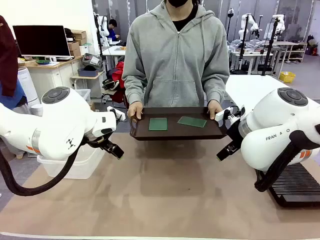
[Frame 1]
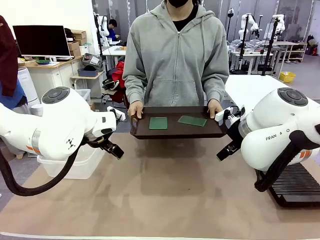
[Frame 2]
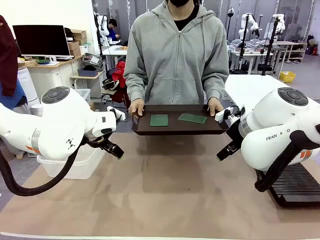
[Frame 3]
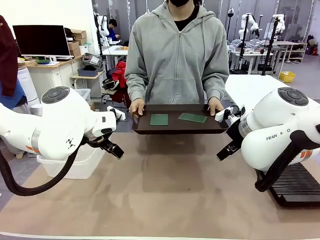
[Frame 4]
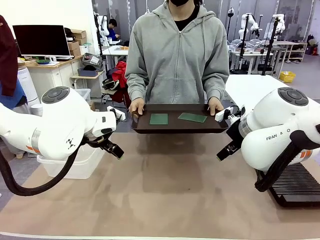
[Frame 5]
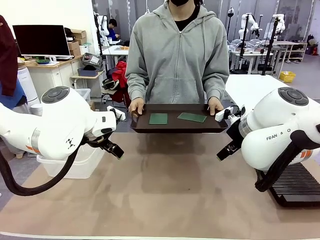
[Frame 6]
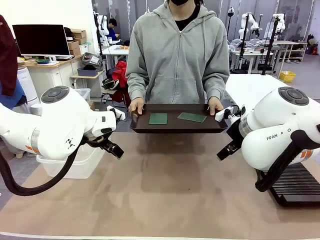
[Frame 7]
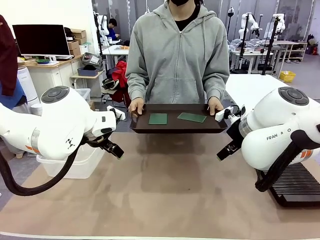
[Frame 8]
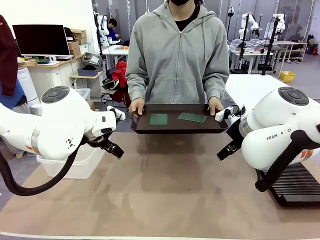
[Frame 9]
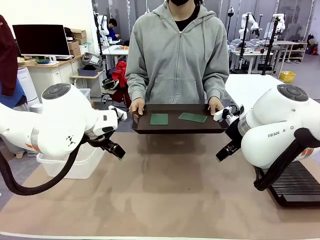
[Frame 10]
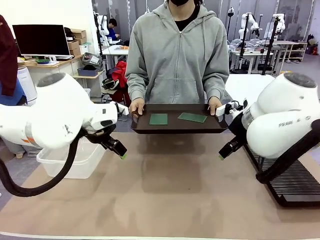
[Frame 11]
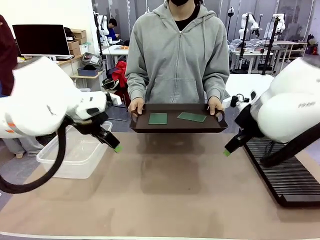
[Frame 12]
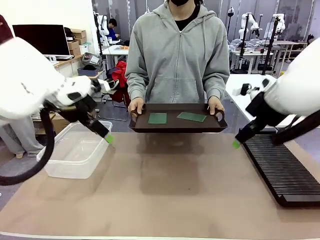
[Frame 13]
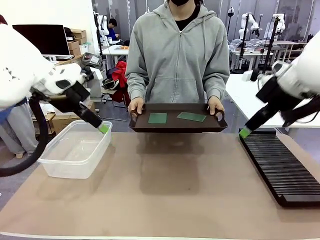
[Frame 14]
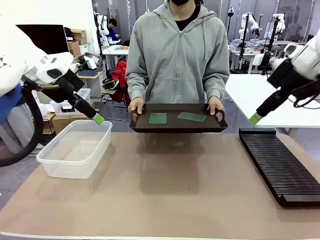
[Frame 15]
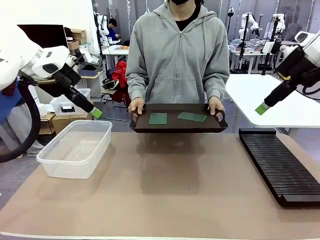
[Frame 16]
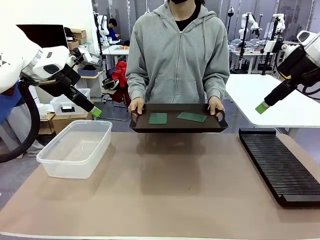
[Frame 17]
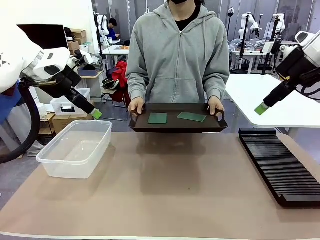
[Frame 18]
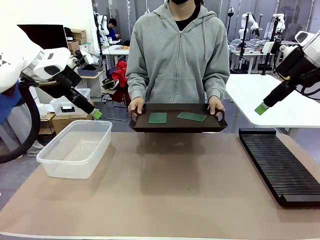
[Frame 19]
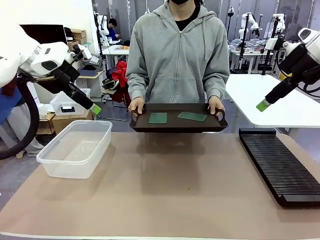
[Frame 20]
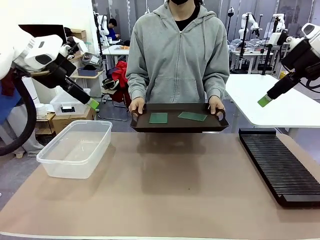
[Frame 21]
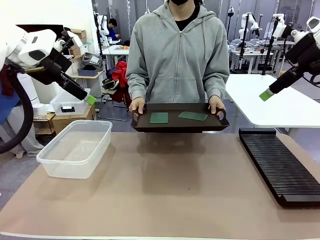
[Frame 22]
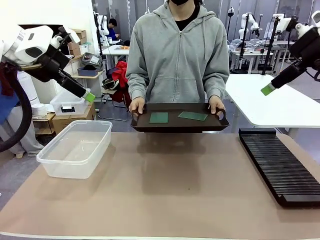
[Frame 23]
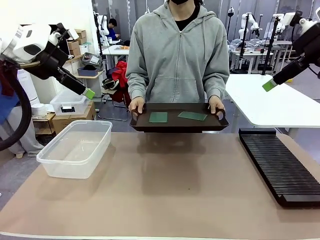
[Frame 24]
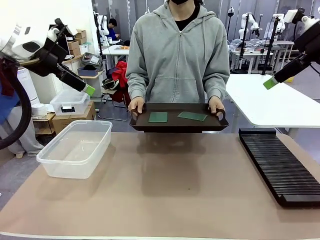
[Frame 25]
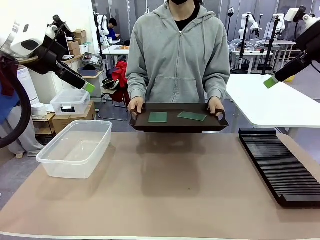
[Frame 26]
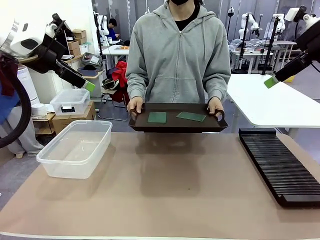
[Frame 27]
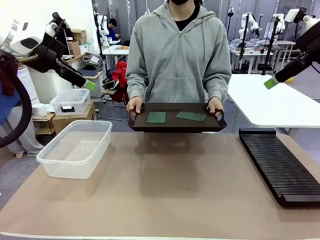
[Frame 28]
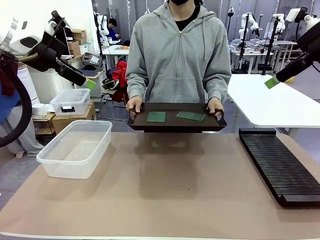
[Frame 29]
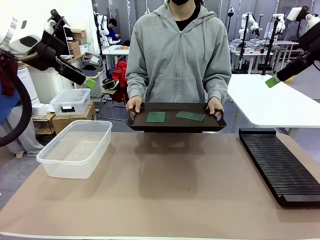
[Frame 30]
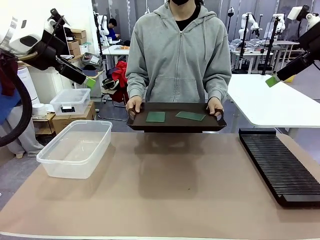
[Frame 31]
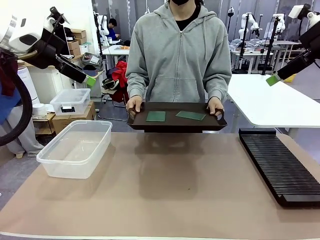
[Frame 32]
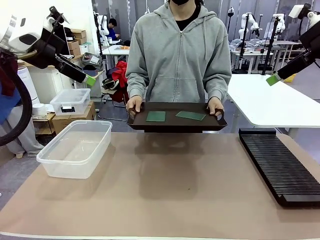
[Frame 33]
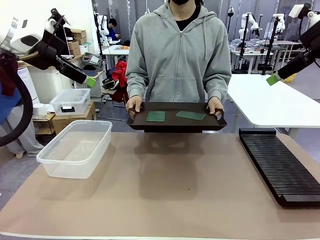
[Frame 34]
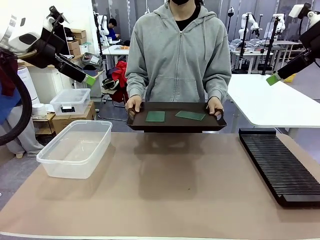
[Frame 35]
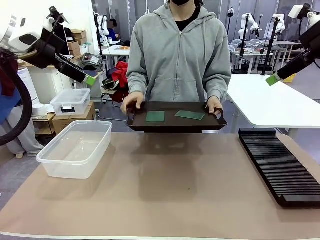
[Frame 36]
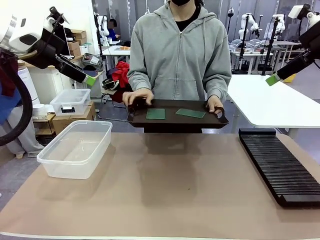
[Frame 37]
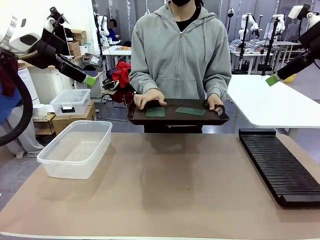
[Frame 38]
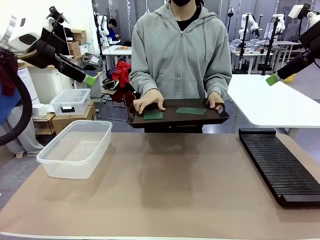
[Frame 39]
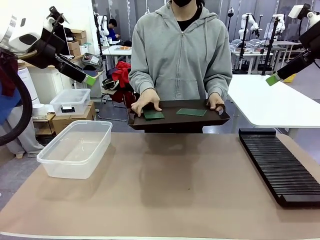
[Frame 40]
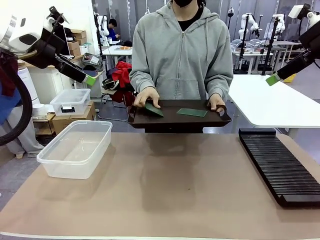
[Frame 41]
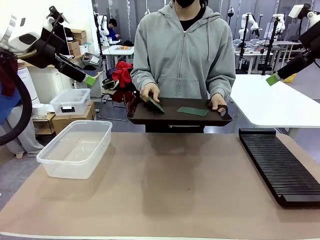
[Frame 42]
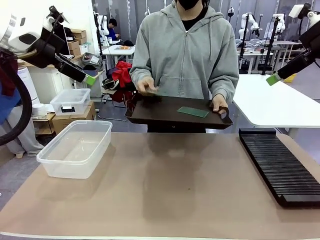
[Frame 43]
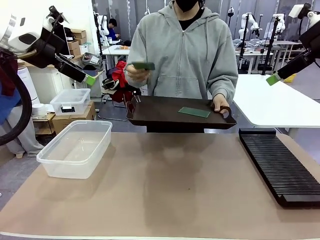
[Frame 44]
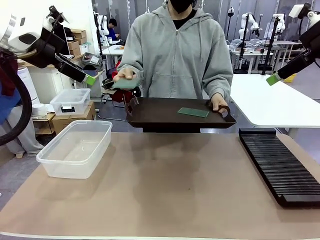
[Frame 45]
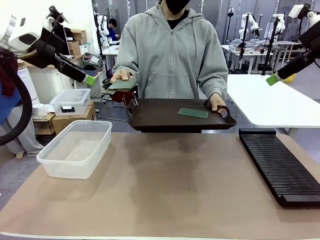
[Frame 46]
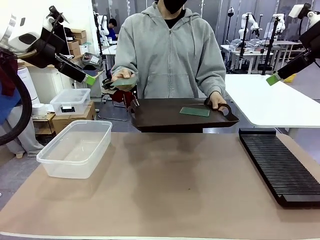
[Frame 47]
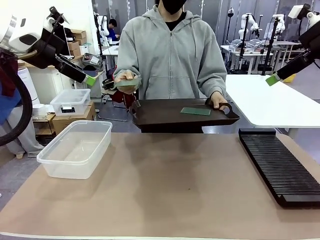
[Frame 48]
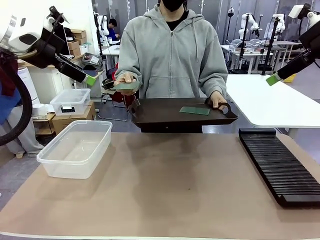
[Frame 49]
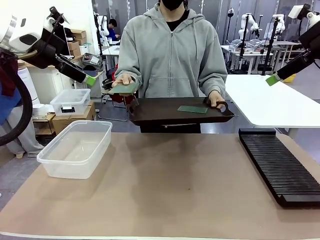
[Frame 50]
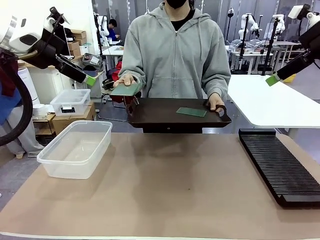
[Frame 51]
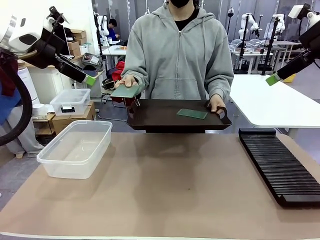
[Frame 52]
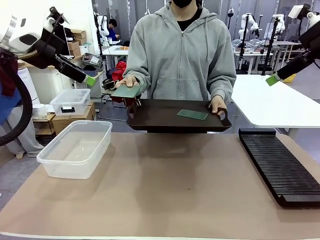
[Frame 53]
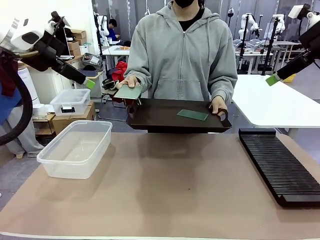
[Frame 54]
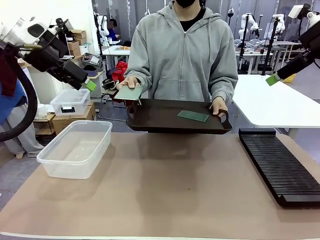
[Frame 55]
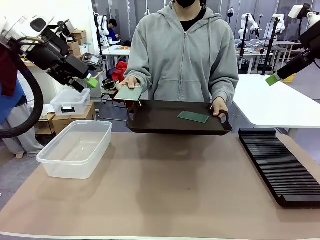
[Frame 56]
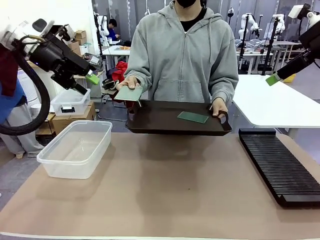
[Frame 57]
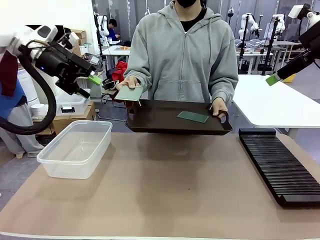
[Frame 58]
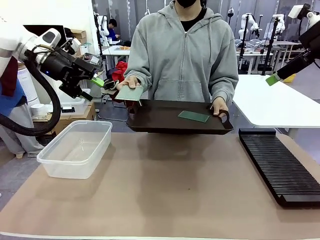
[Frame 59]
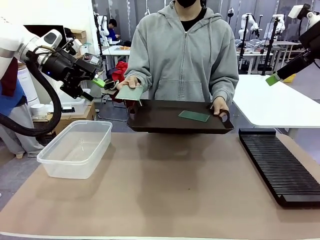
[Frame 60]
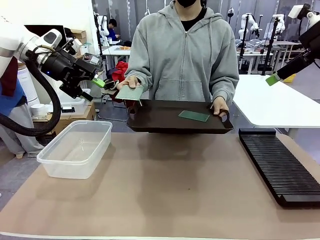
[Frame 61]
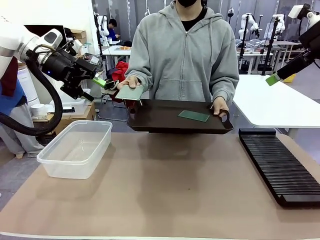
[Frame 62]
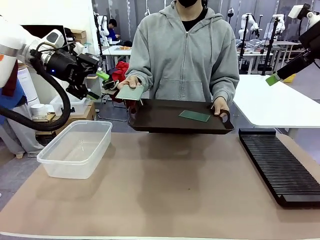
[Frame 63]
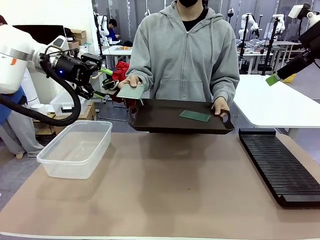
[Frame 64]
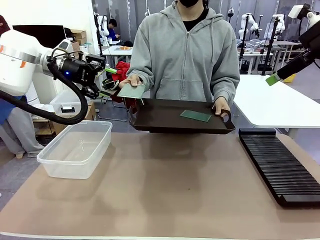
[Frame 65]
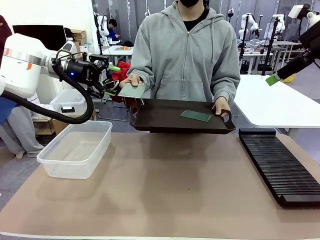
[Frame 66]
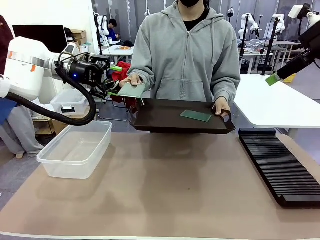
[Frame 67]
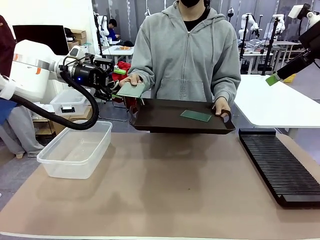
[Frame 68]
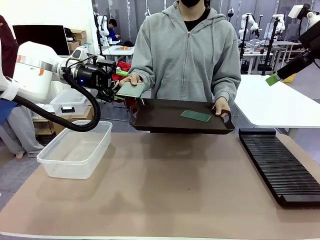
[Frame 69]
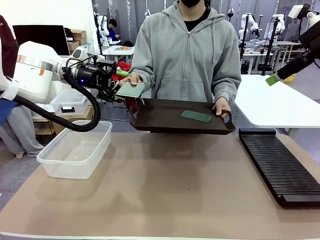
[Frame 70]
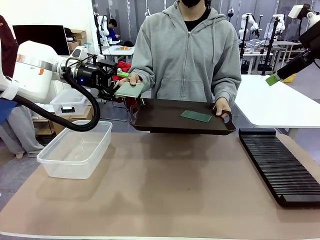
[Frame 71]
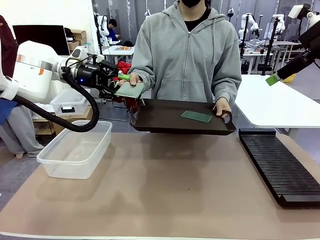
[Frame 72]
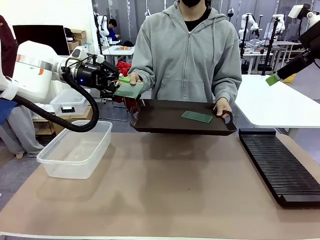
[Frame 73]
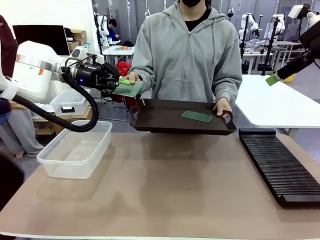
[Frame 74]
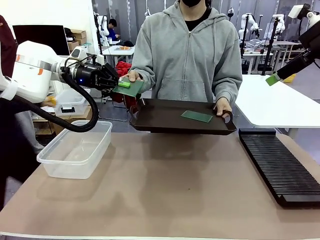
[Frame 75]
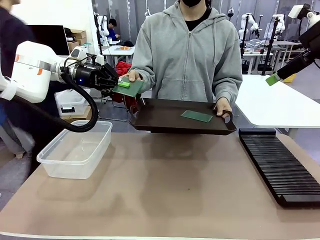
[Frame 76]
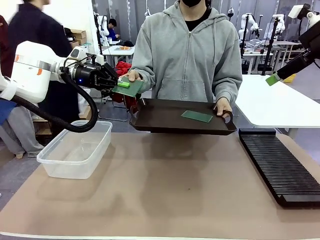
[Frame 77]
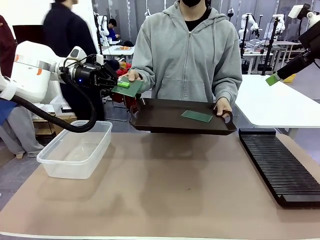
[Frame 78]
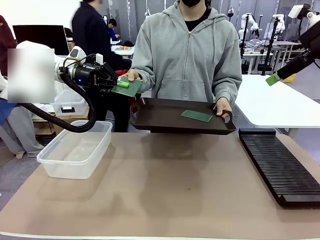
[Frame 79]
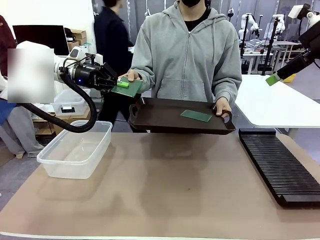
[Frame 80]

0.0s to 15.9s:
Task: Sort PCBs into racks and boxes based on the side picked up.
Robot: Pick up the Blank PCB handed by the Human.
Person: Pick one PCB from the tray and present it to the robot. Release the PCB being held.

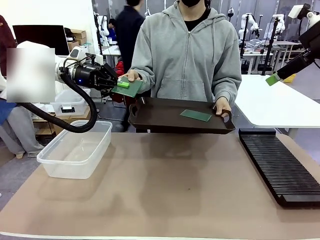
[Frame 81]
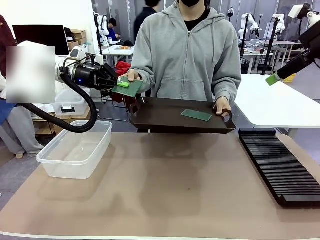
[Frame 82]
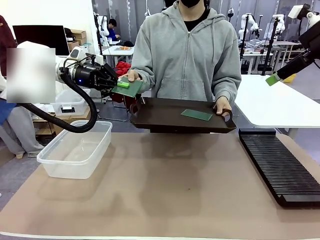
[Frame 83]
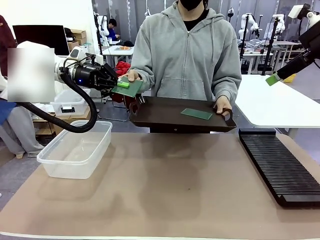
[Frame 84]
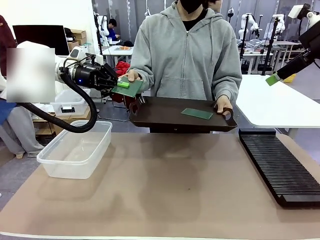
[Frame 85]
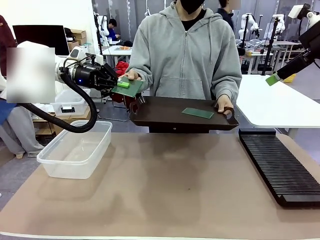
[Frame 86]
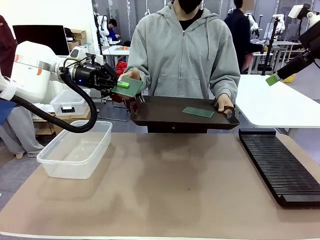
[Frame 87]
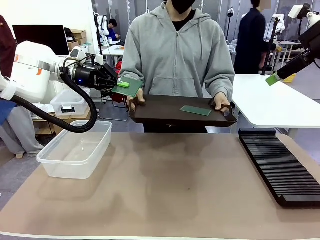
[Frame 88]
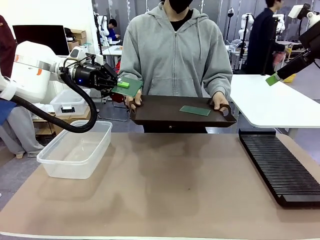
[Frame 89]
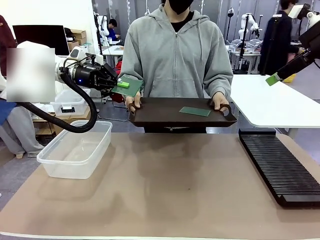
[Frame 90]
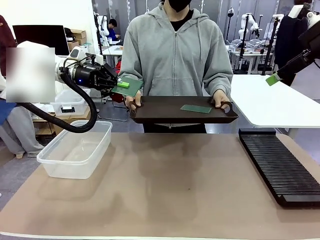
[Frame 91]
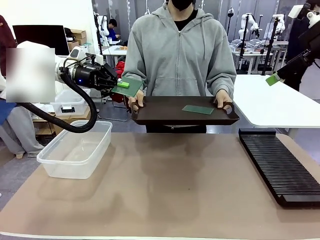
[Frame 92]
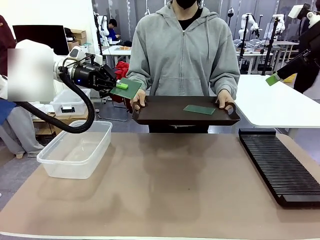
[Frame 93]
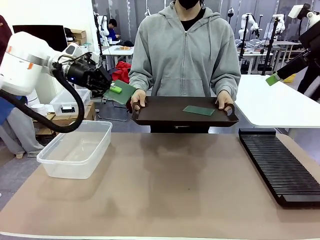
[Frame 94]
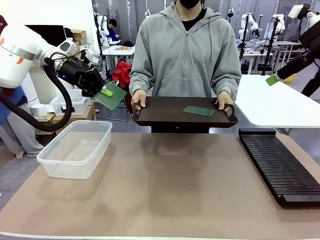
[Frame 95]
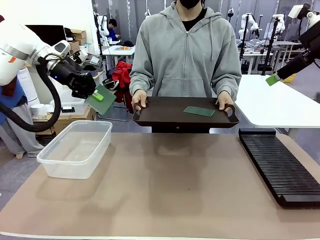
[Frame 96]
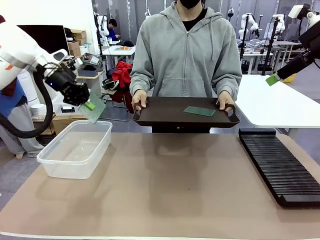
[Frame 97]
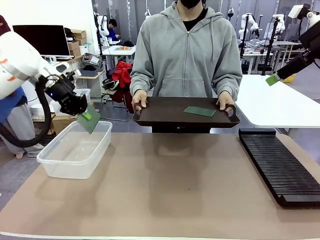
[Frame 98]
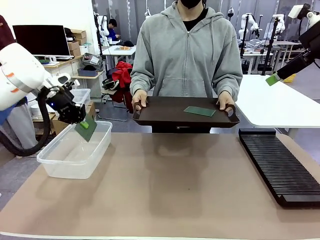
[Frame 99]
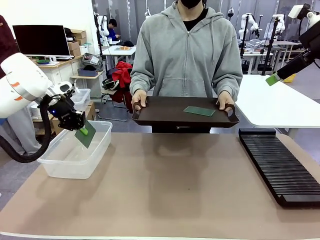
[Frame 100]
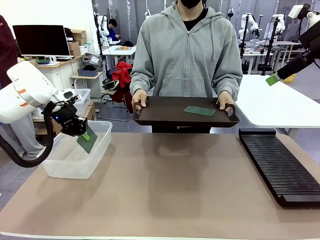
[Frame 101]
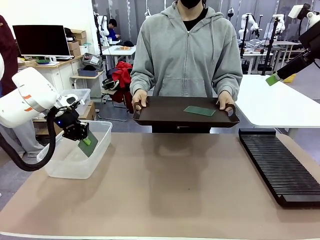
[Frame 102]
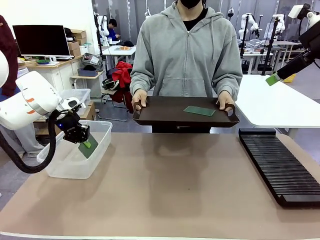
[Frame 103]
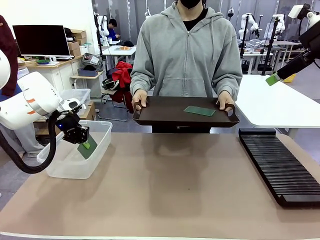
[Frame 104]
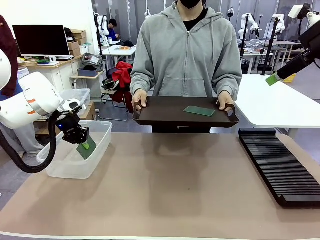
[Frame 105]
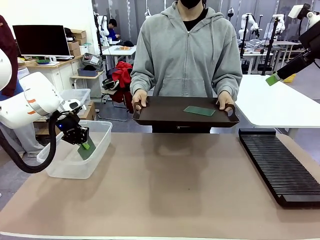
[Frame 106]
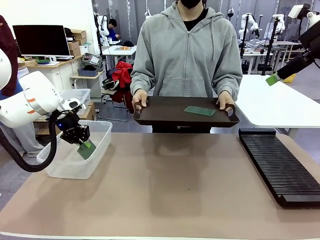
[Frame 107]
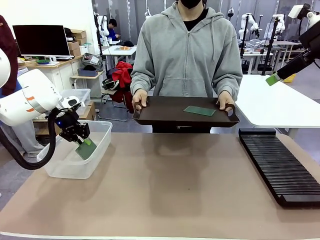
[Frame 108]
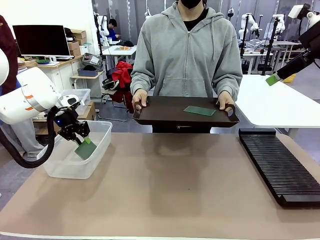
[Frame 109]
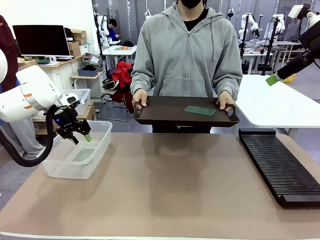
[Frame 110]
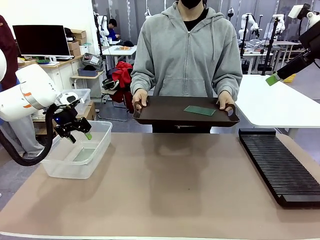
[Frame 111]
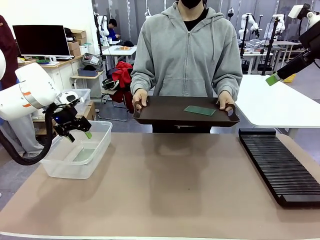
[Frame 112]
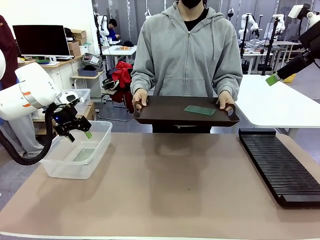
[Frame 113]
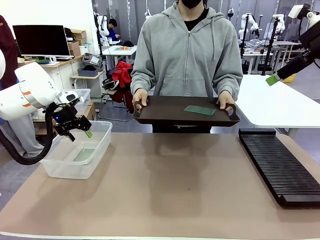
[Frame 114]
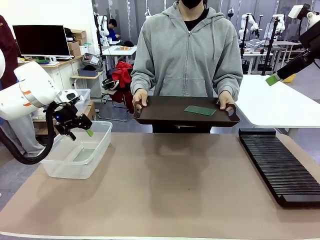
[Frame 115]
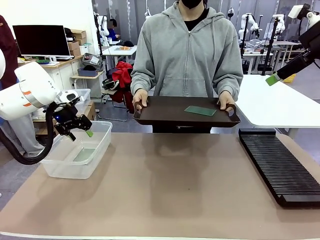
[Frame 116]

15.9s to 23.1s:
Robot: If the short side of the Blank PCB is picked up, insert it into the PCB Rack ; if the long side is picked up, place it in the Organizing box.
